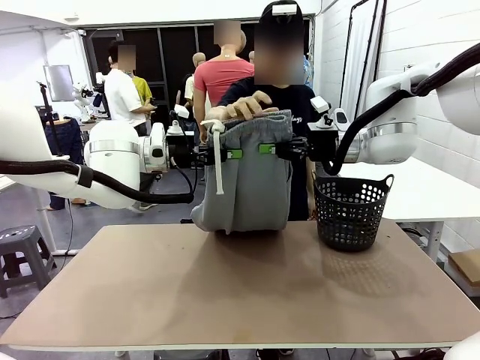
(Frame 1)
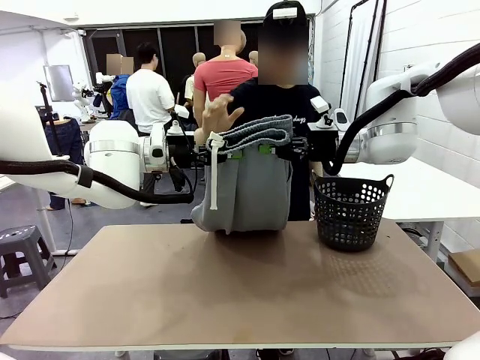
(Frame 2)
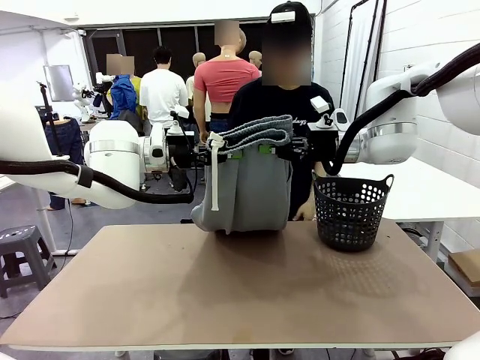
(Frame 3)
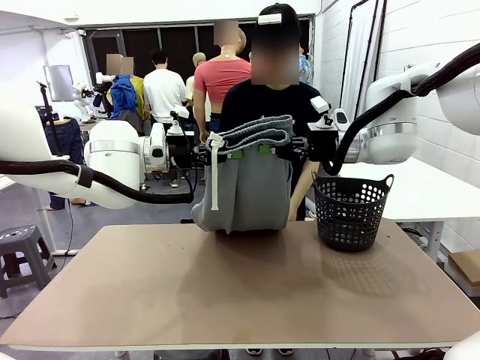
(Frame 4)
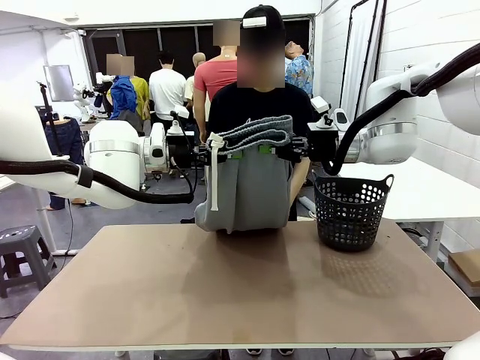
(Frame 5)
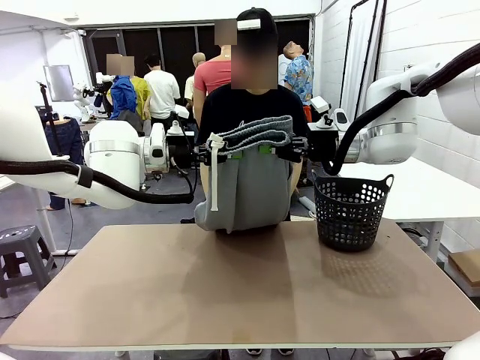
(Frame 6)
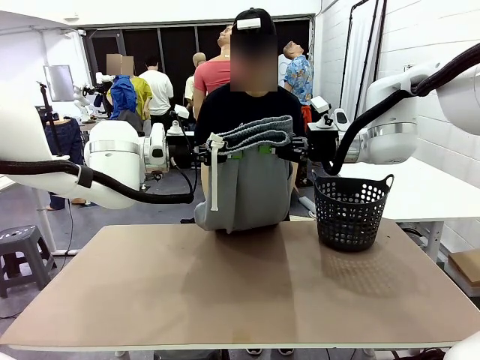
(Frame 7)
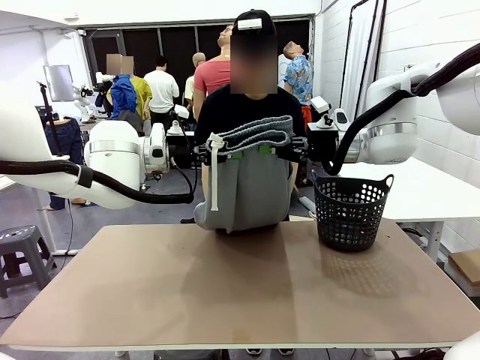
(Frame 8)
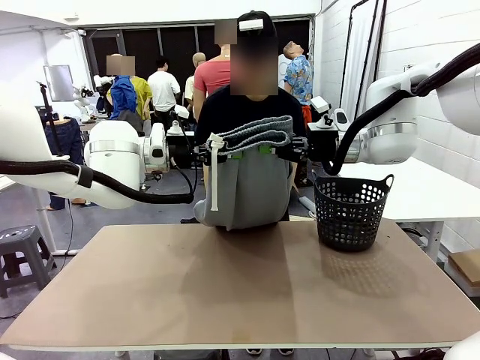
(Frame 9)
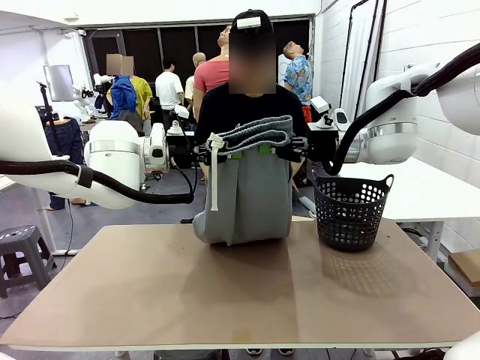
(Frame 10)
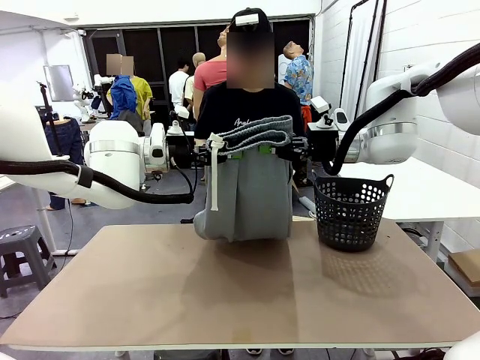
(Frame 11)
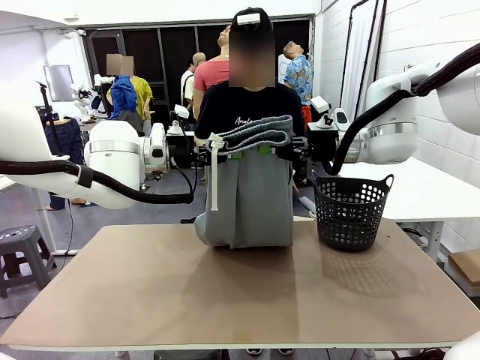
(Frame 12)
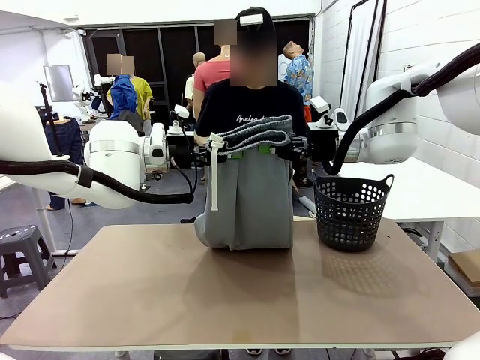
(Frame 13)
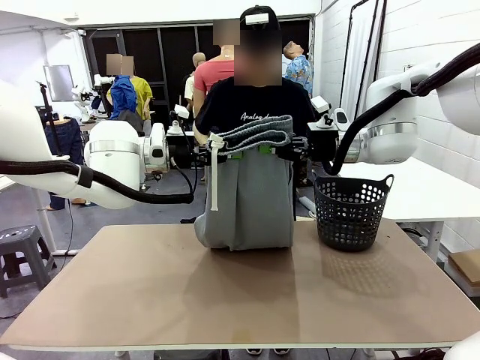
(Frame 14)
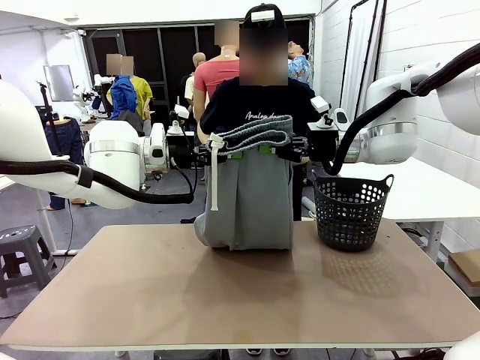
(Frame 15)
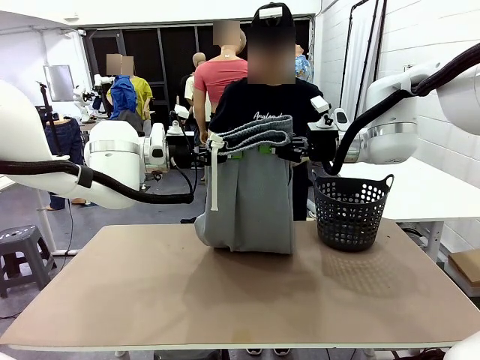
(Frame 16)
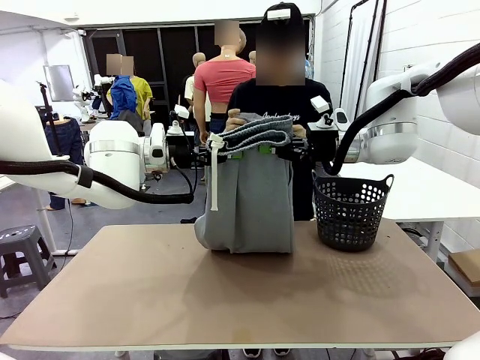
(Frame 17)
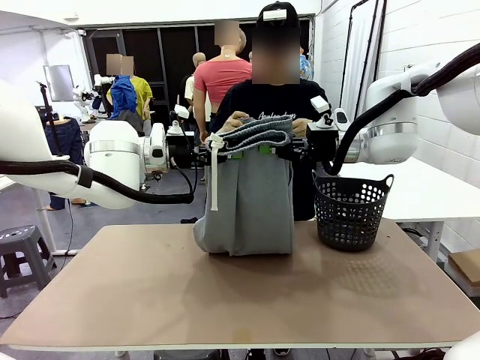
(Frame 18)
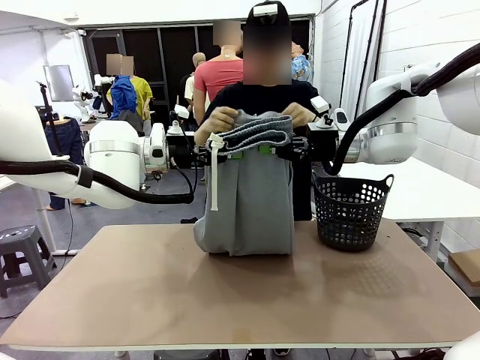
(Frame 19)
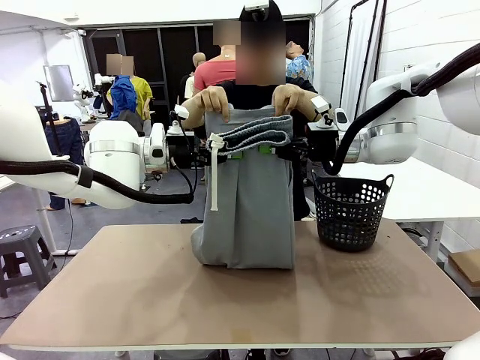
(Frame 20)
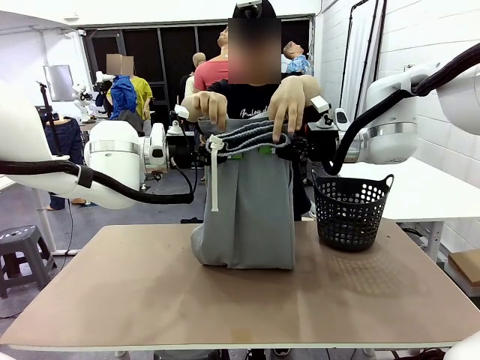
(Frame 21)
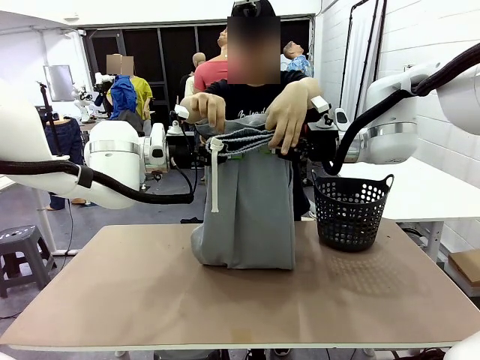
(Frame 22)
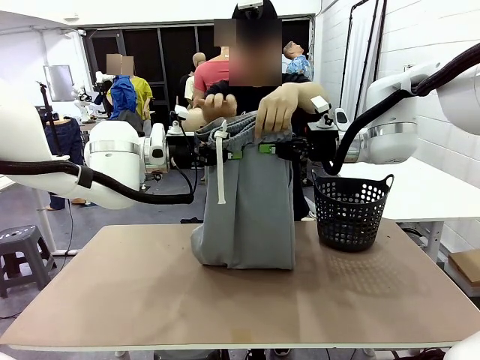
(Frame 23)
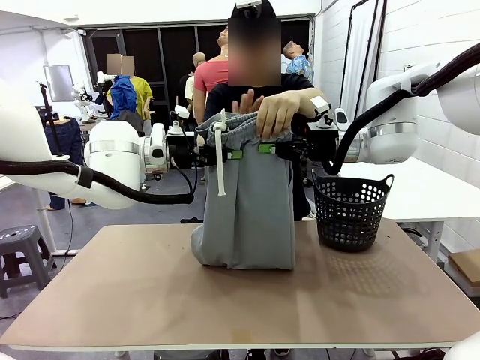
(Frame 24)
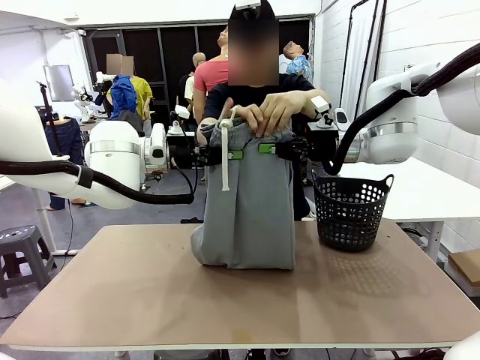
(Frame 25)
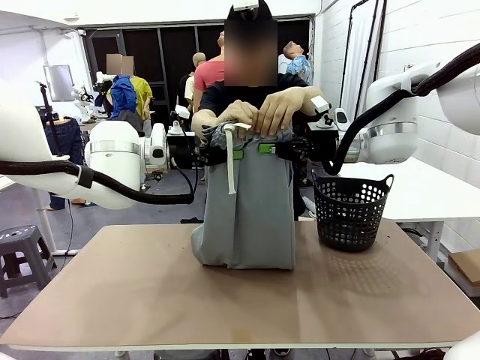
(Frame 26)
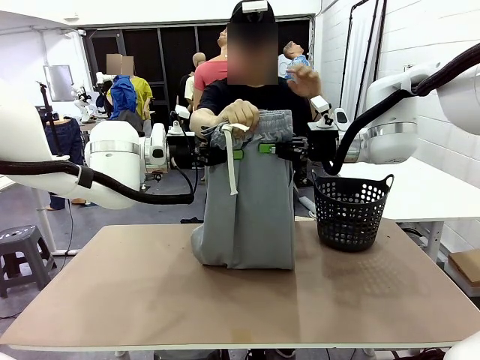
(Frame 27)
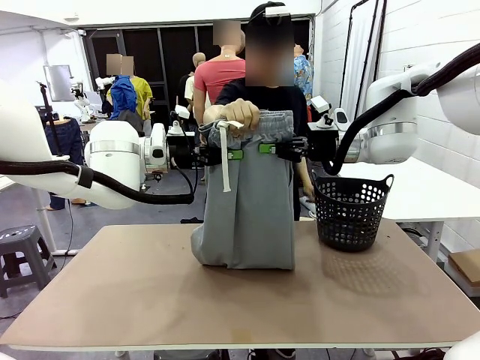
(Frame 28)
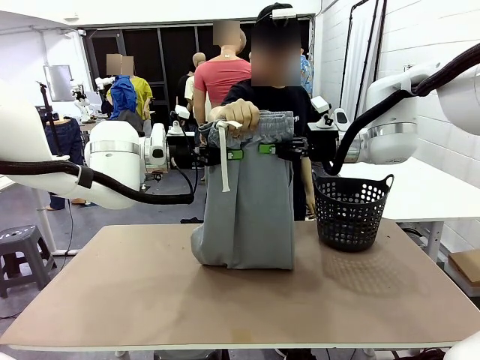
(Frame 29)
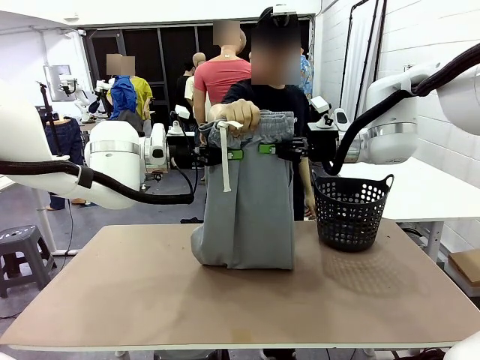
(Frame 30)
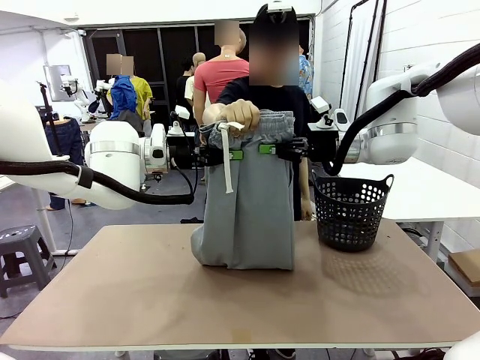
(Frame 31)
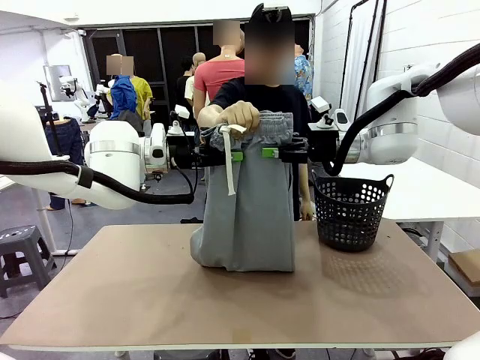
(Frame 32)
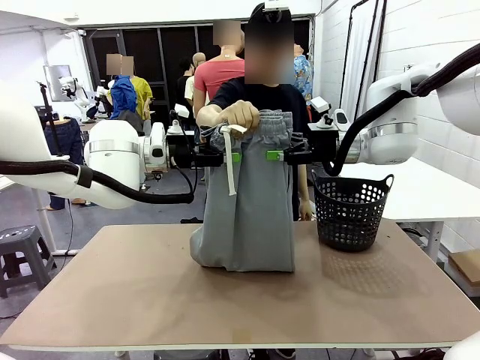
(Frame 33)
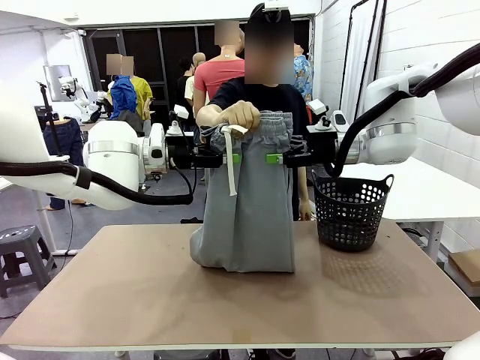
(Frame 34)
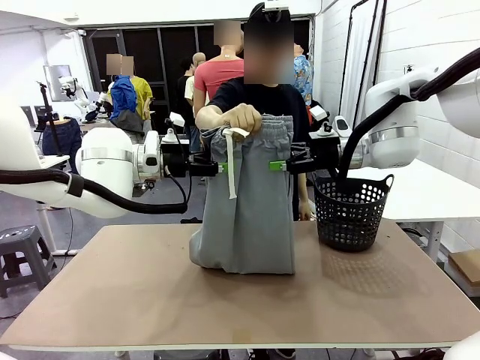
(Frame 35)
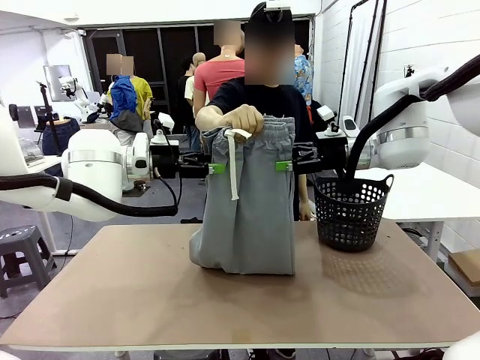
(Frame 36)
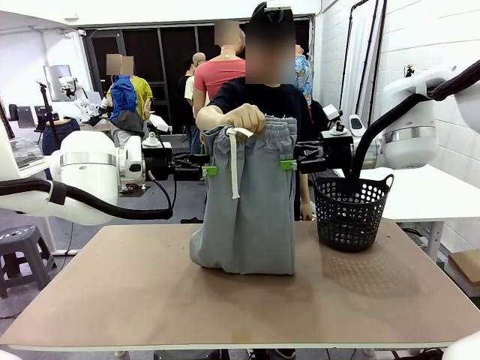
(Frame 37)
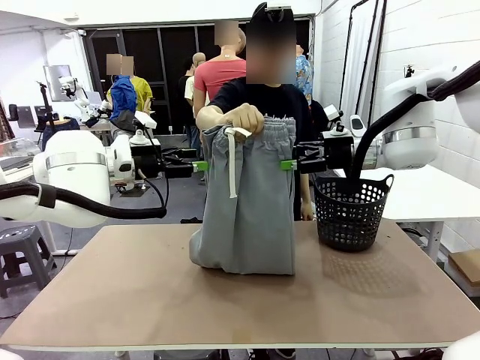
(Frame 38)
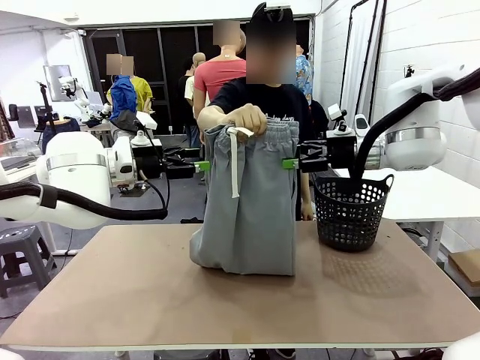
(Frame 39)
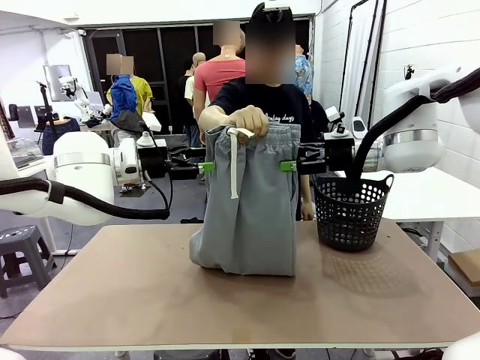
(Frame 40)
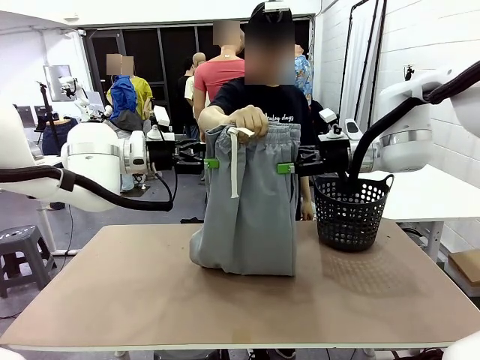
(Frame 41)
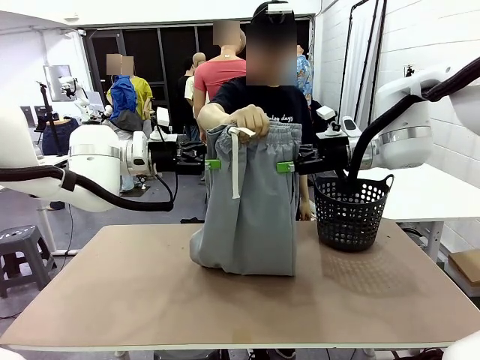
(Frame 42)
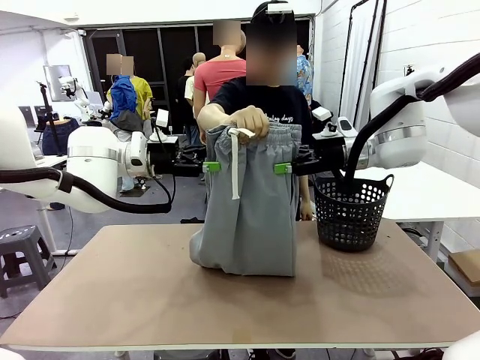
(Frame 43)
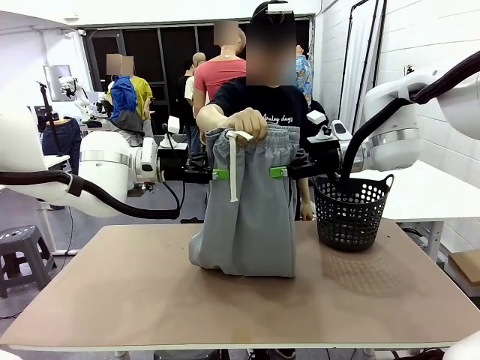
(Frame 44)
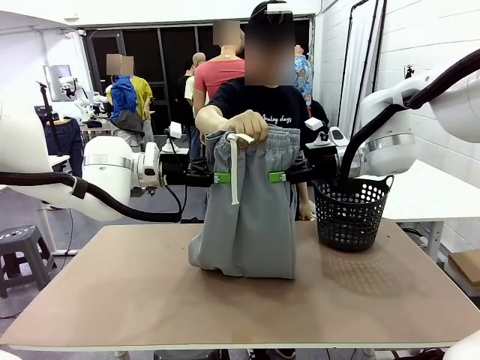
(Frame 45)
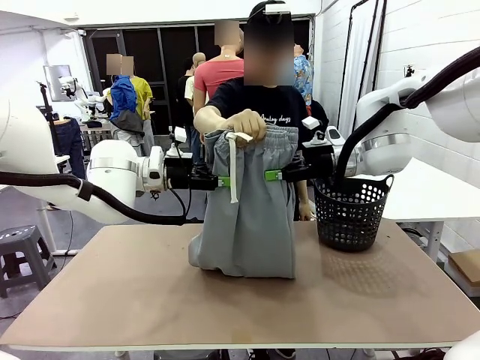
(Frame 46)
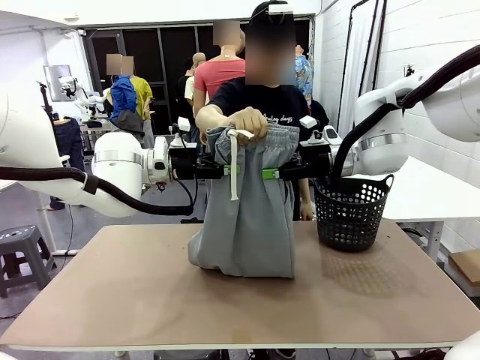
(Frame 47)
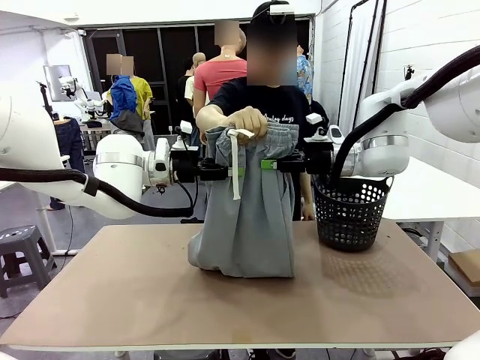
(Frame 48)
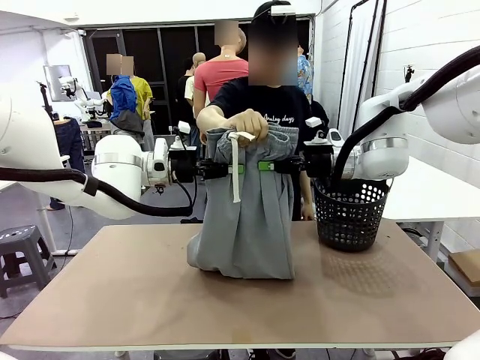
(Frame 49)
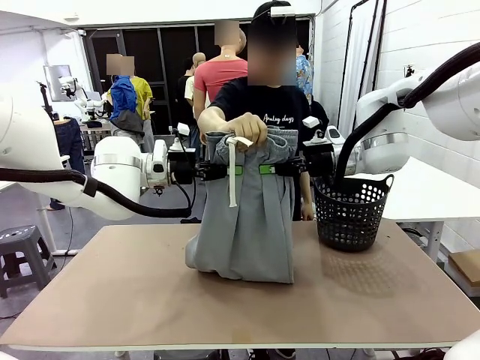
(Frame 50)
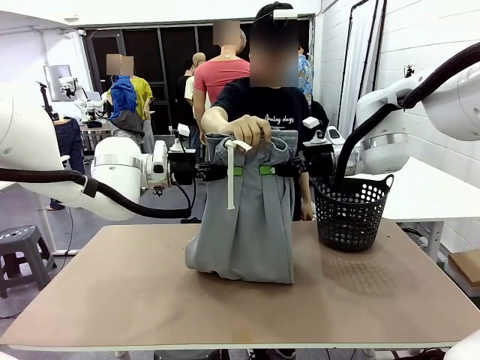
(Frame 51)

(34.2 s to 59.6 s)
Task: Fold the training pants.
Robot: Release the ends of the Training pants and then grab the overlapped ends.
Person: Grasp the end opposite the point the robot is holding, fold the pants in half, and then grasp the overlapping top end of the folded pants. Release the pants you were holding.
